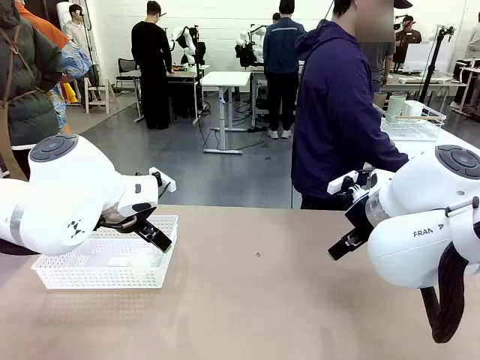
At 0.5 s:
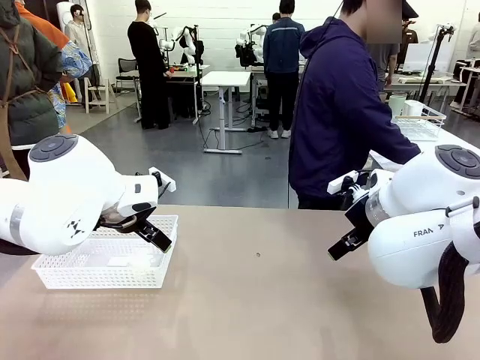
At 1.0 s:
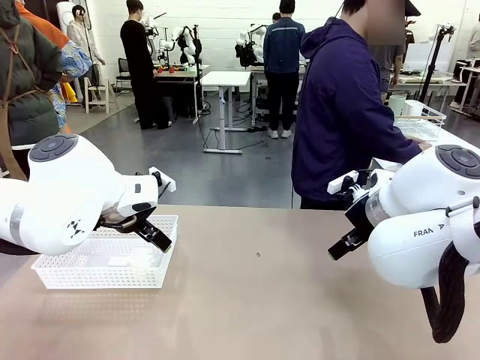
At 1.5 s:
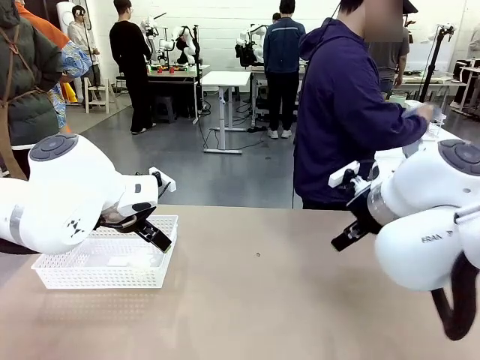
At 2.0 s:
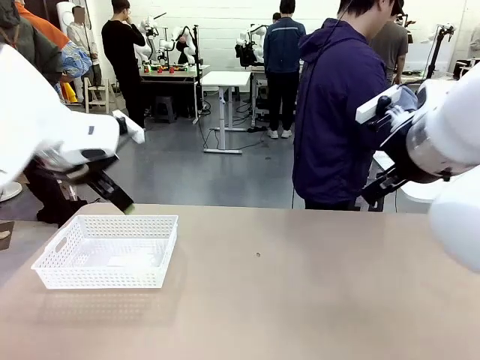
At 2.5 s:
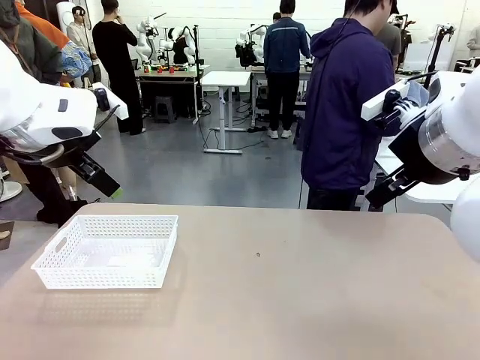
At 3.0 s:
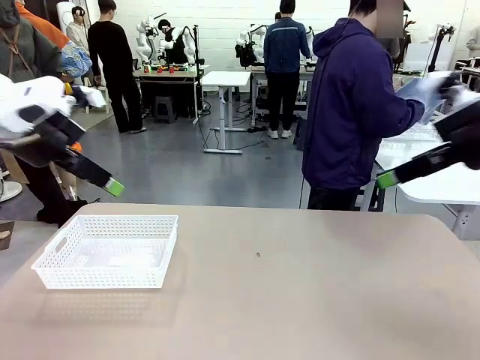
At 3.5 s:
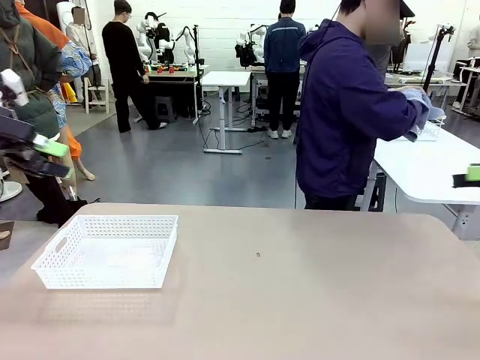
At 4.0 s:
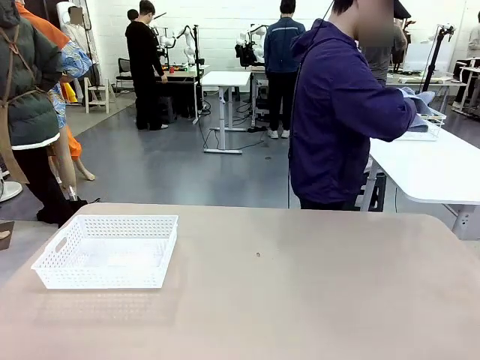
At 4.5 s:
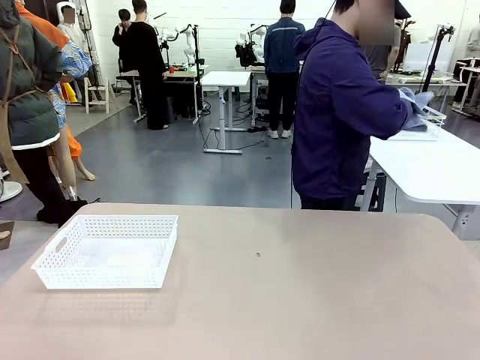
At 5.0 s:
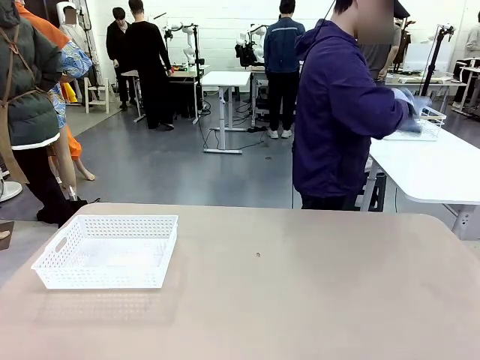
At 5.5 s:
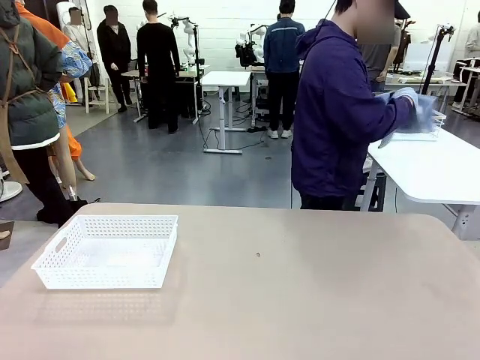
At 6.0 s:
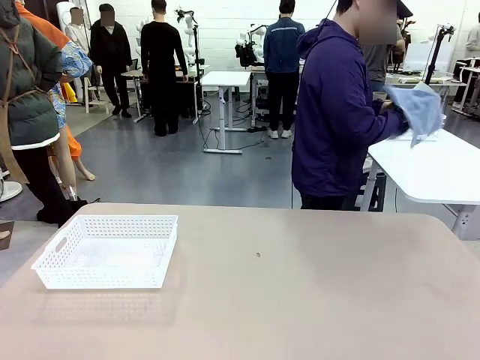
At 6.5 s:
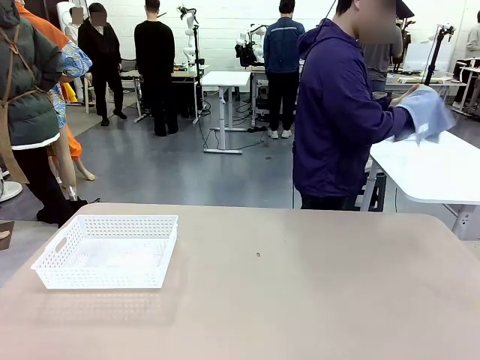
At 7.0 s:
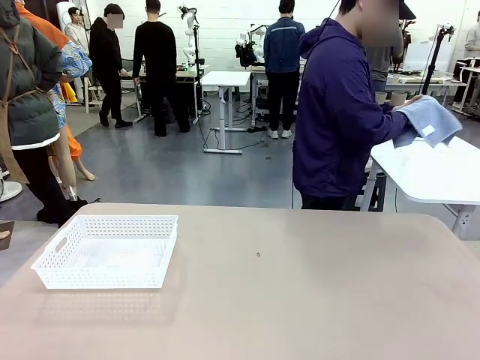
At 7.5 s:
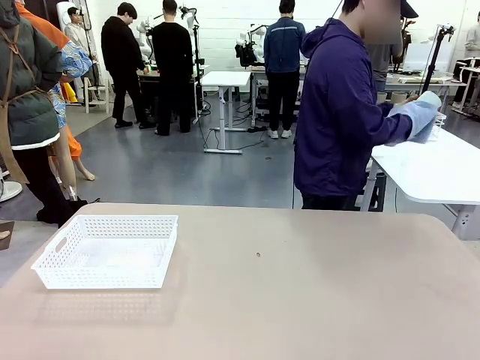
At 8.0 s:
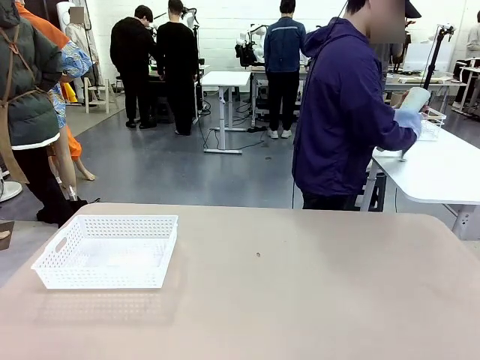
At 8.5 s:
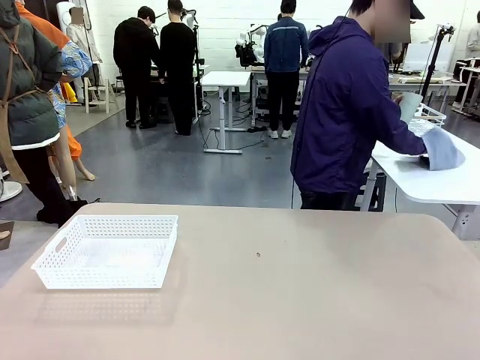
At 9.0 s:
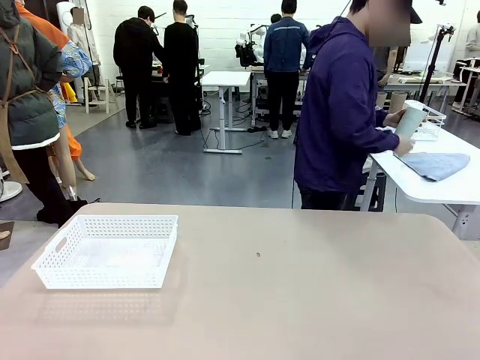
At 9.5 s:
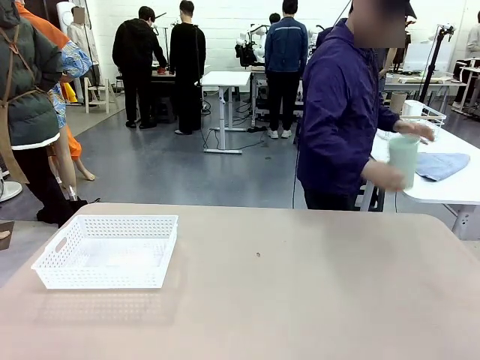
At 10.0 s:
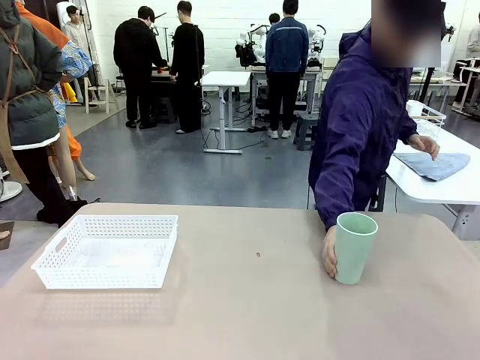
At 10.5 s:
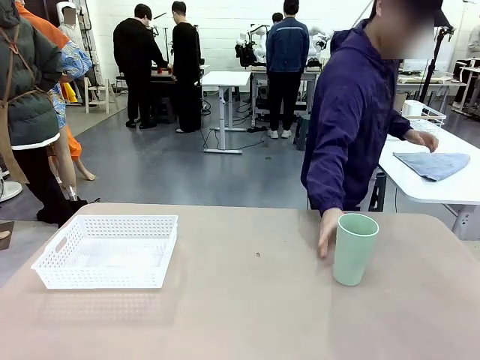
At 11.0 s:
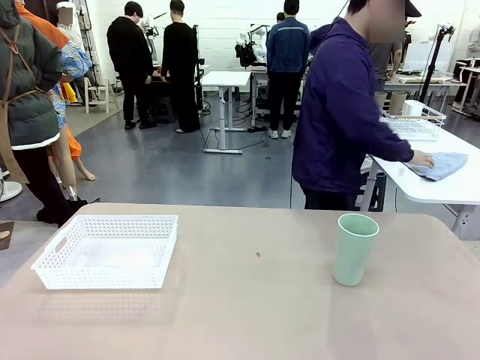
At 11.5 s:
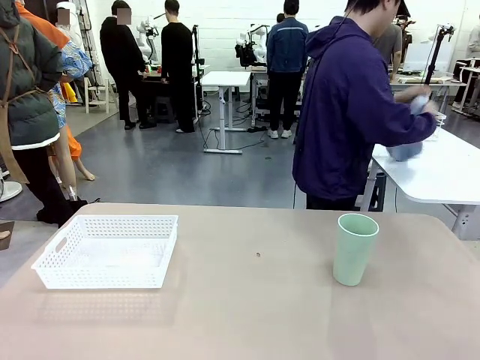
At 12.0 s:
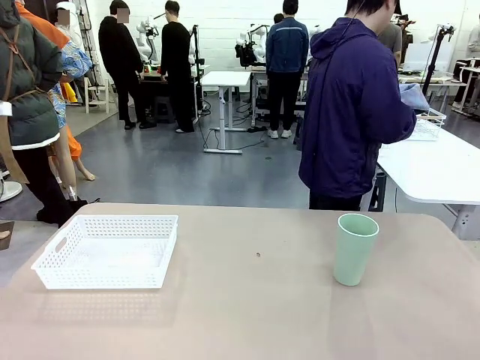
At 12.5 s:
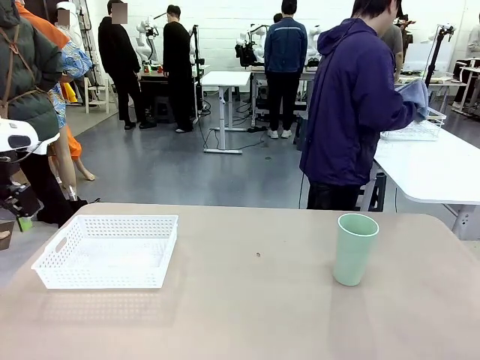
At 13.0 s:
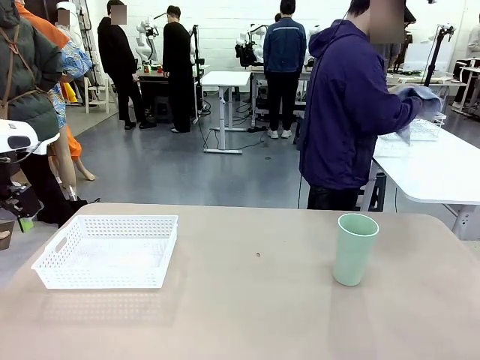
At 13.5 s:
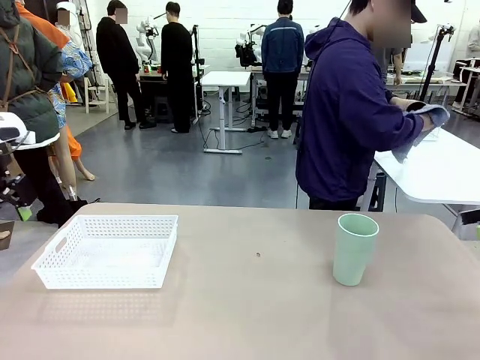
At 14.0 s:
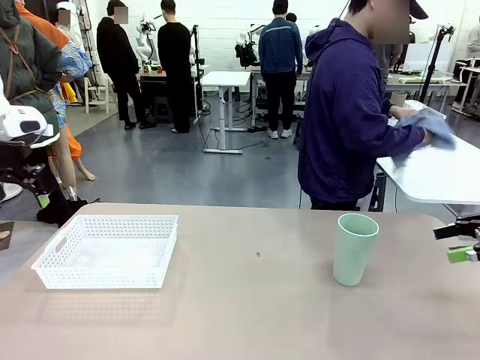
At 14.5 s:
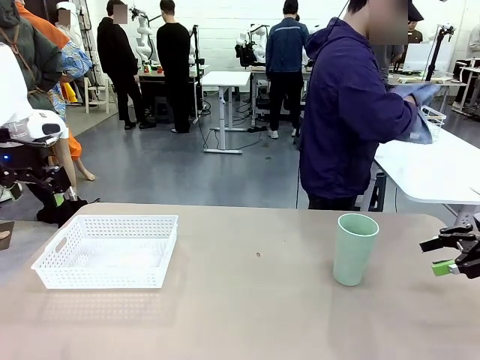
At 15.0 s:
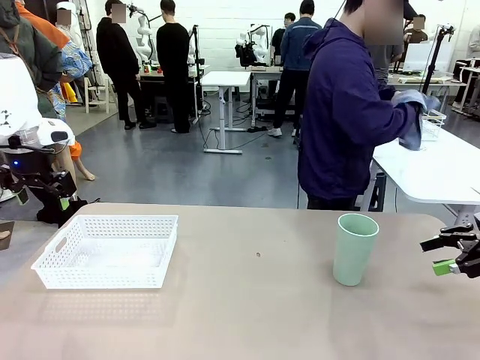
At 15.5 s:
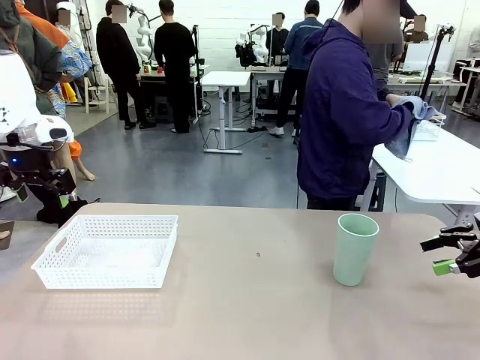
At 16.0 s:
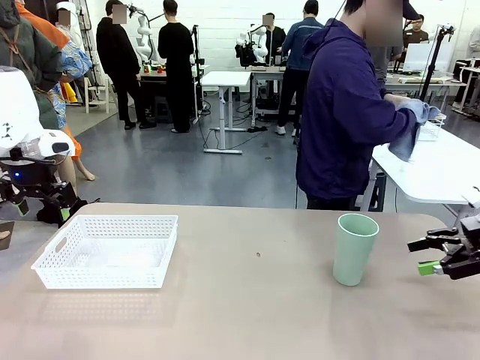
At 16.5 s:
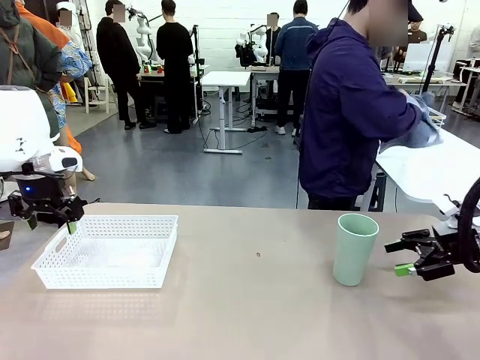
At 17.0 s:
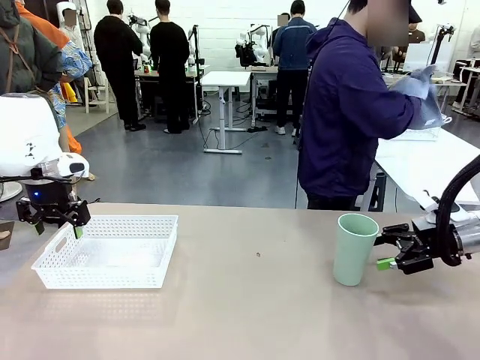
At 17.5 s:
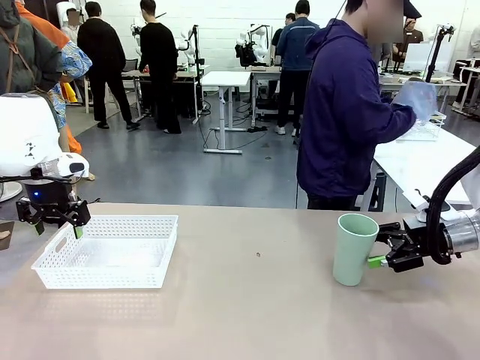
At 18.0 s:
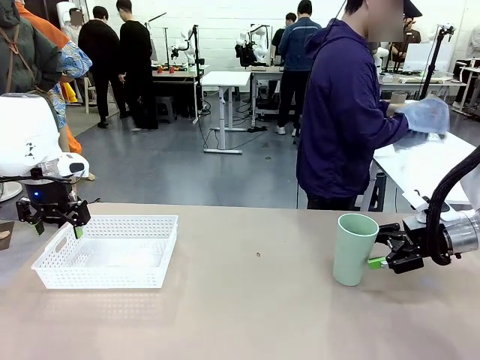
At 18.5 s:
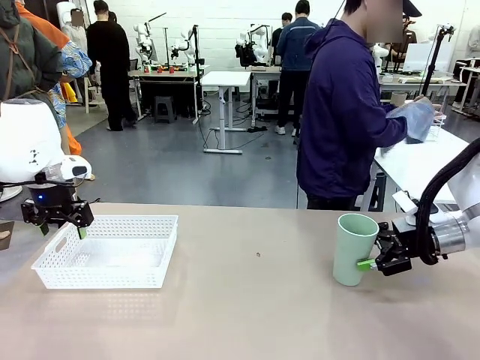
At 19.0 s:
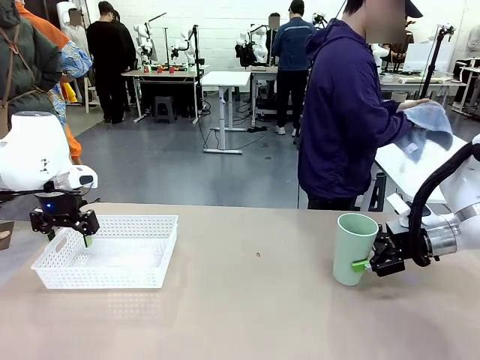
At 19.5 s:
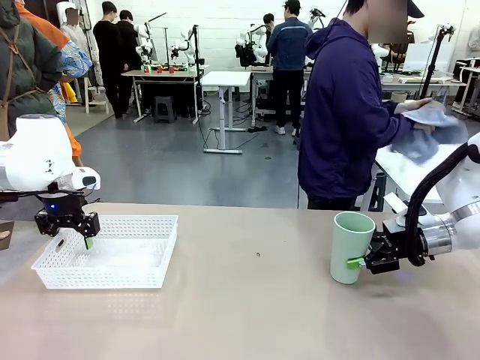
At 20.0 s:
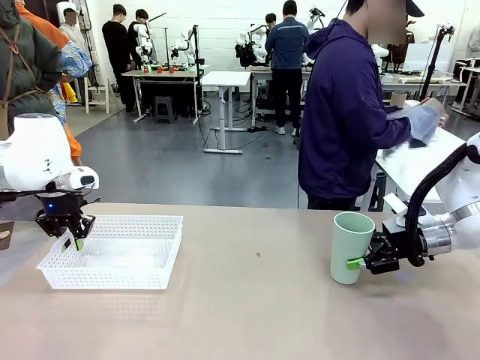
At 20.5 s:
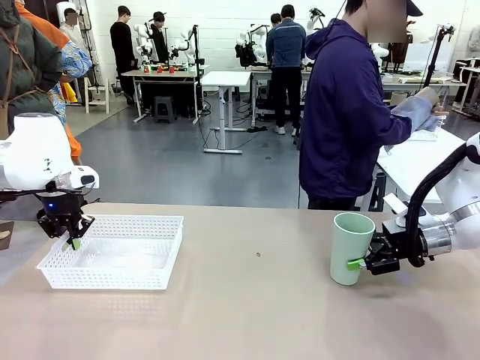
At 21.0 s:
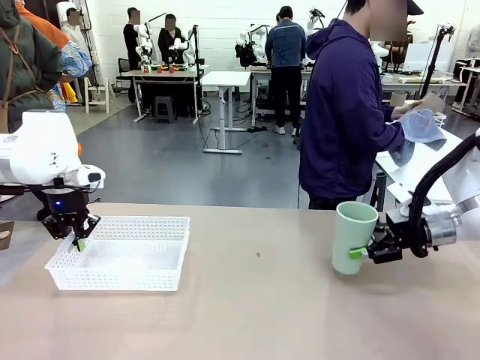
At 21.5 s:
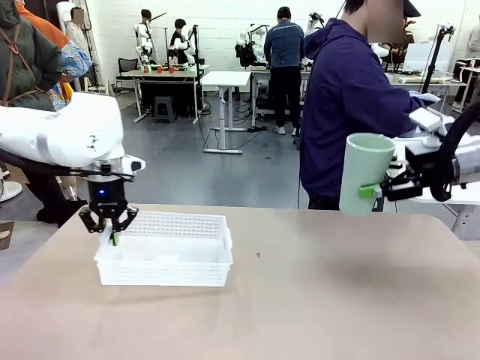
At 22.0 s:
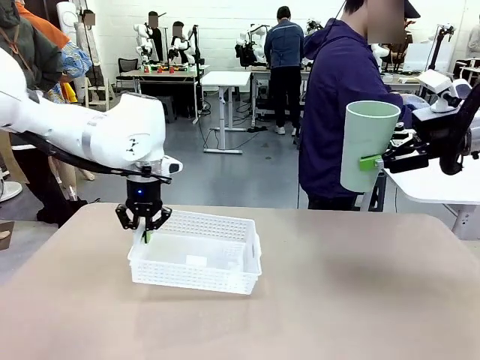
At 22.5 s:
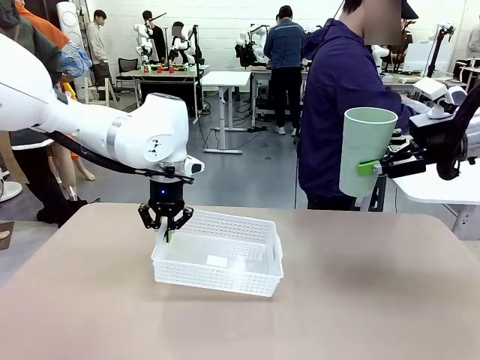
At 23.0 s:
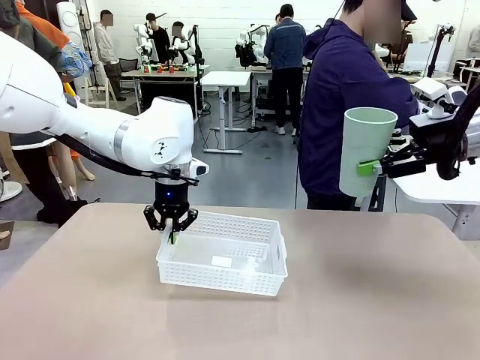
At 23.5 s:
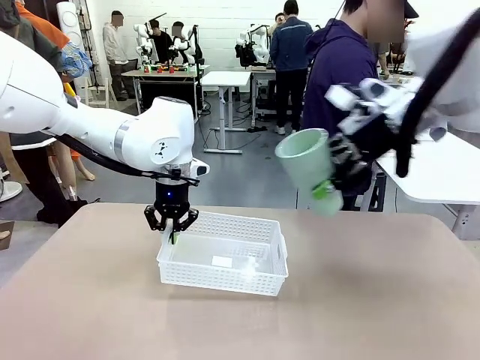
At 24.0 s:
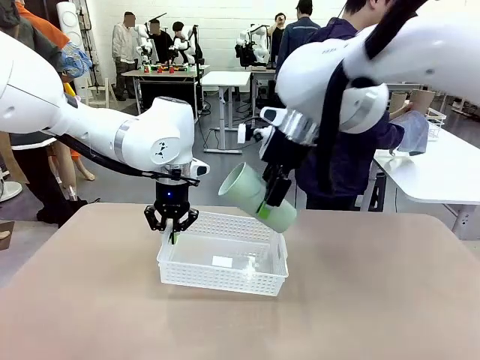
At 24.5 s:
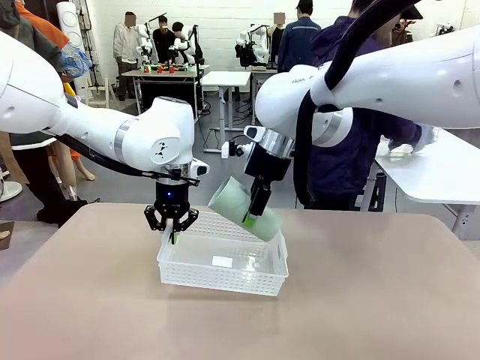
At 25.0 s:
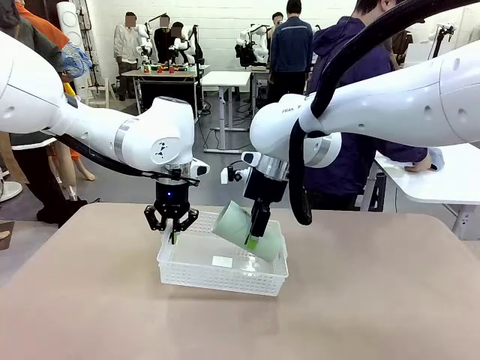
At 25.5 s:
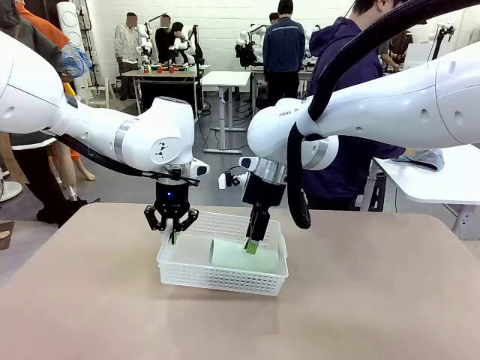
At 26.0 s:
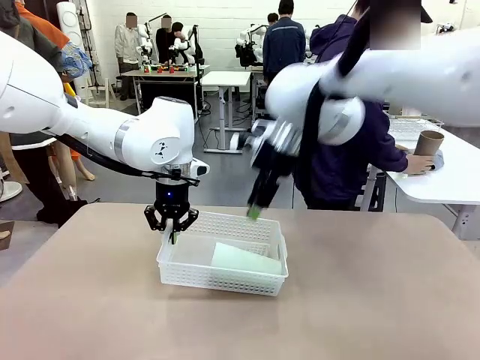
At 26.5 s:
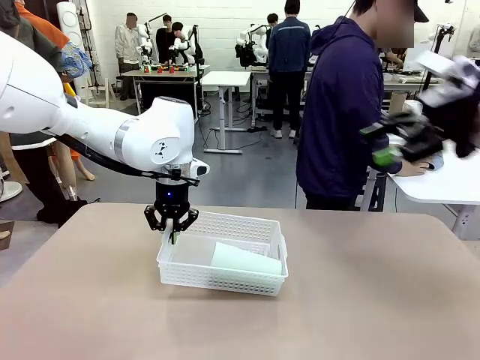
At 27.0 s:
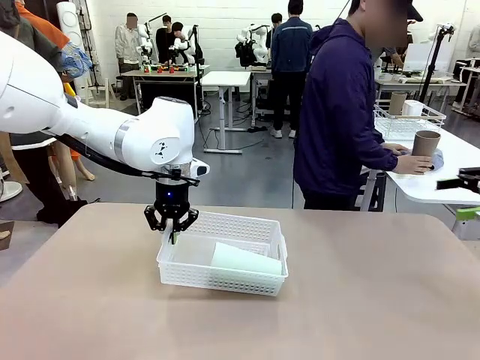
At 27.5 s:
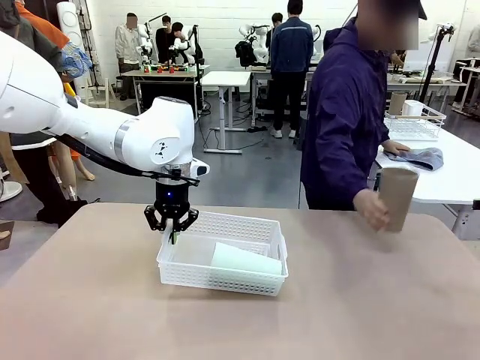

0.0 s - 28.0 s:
Task: Clean and organize the cups into the basket.
Robot: Pick up the Organizing basket and move it to the center of the table, then pick up the Reusable plastic cup from the right side of the table and place it inside the Organizing basket.
Person: Picks up a cup and a towel, cleans the cup with the towel, and places it on the left side of the robot table. Picks up a cup from the drying rack, cleans the cup with the towel, and places it on the left side of the robot table.
